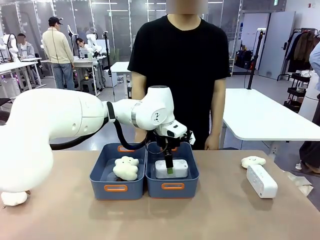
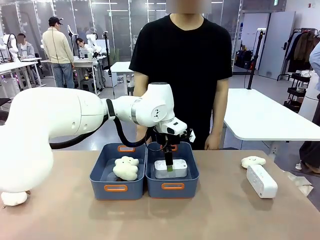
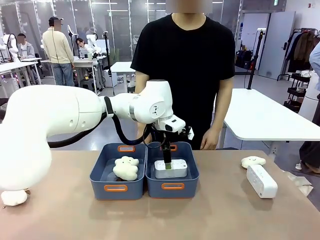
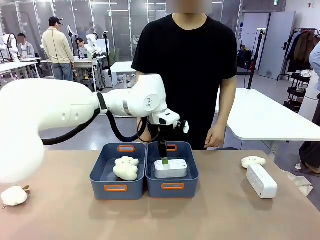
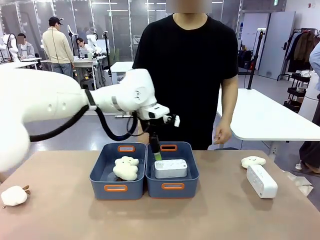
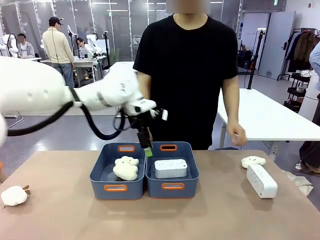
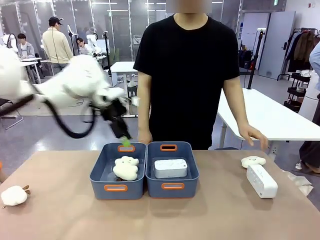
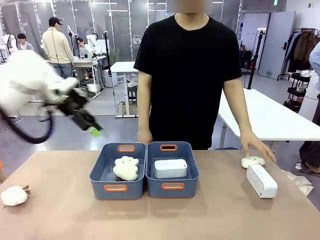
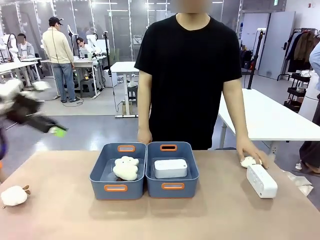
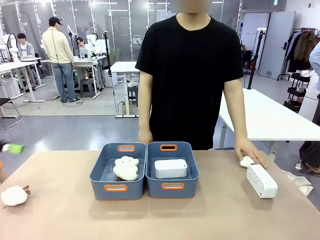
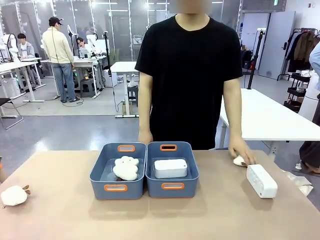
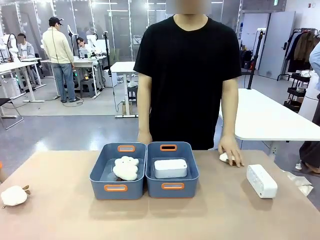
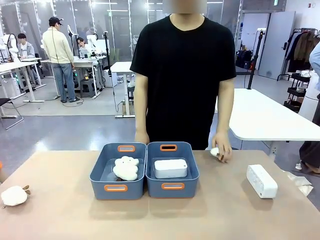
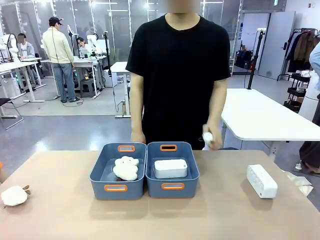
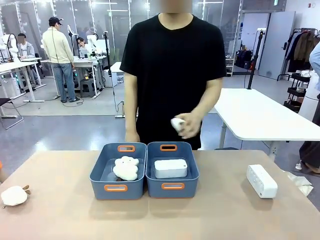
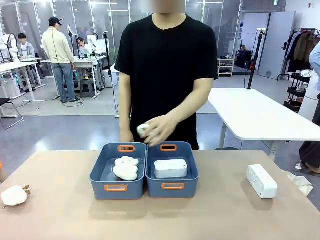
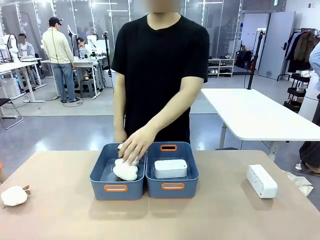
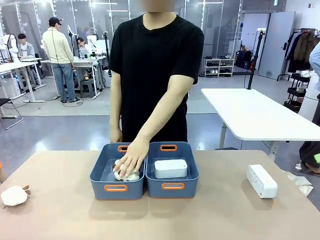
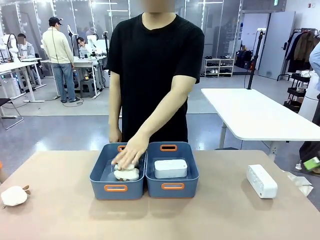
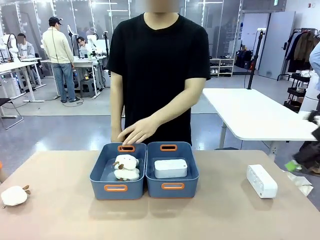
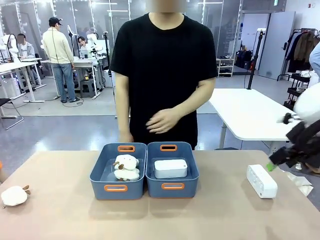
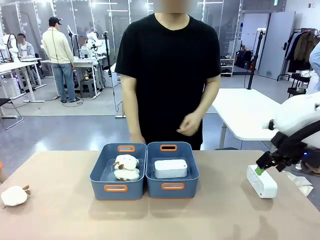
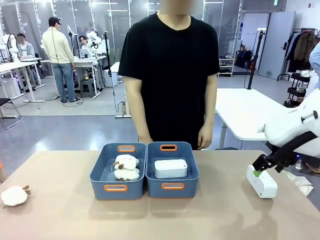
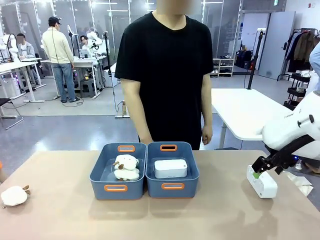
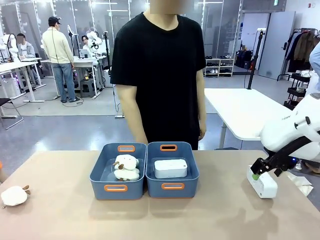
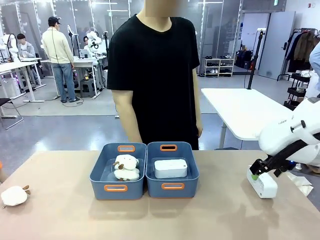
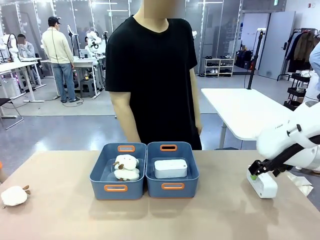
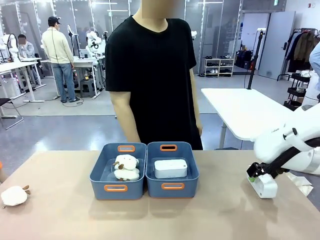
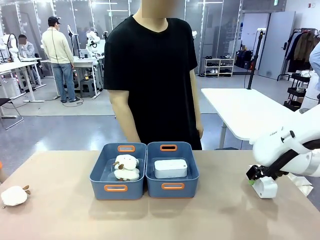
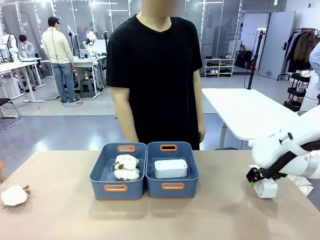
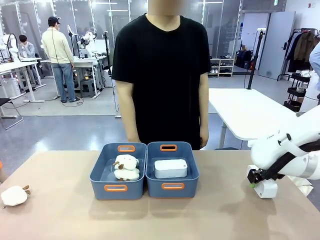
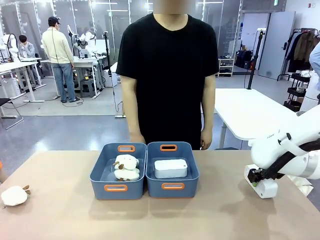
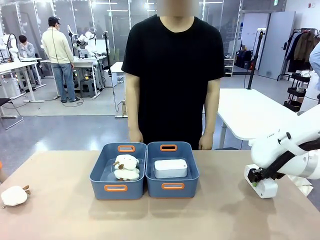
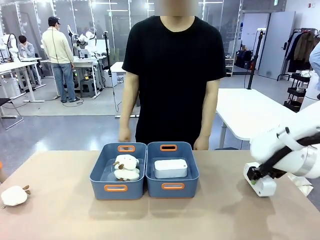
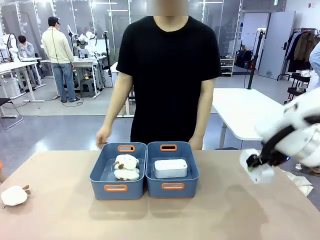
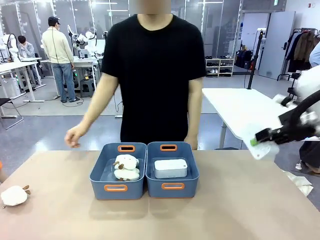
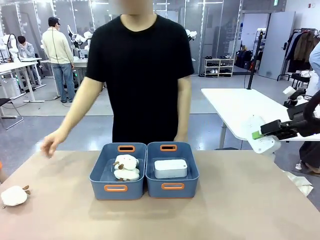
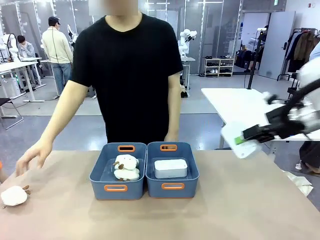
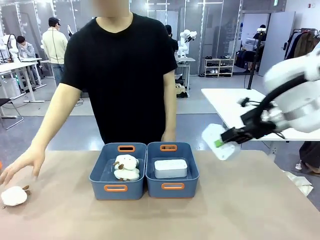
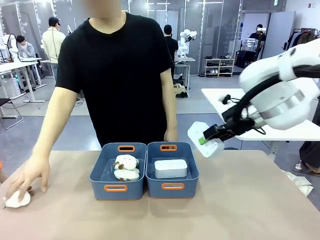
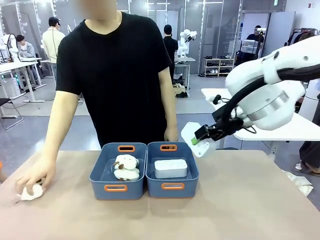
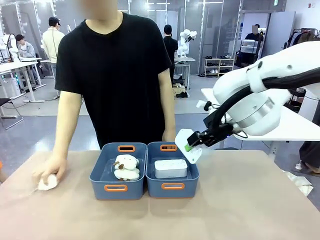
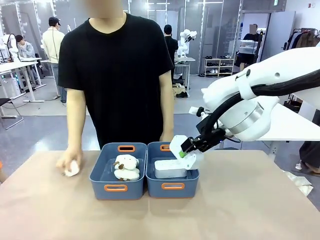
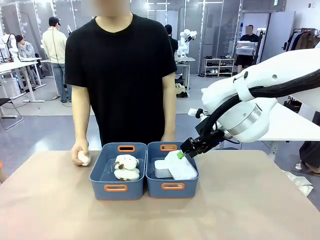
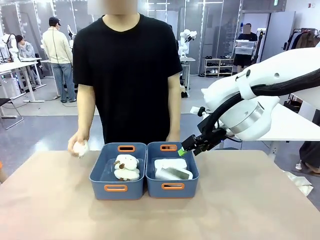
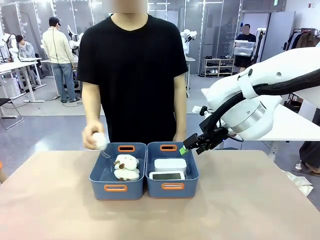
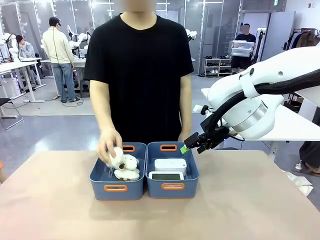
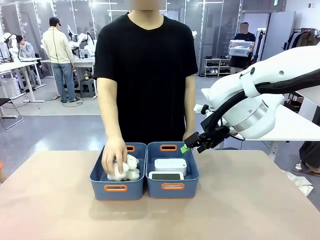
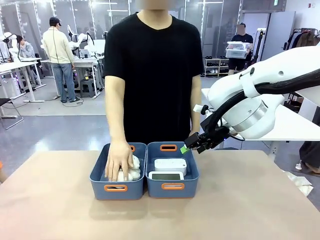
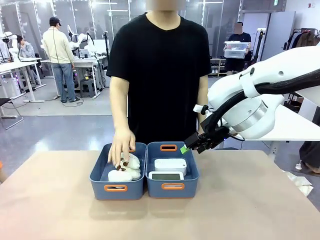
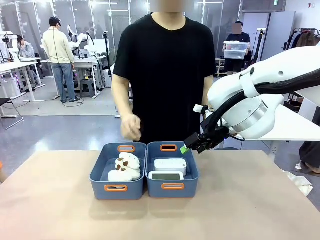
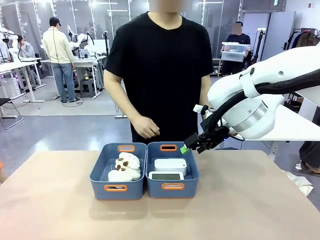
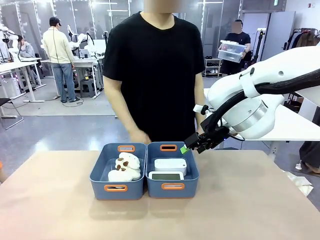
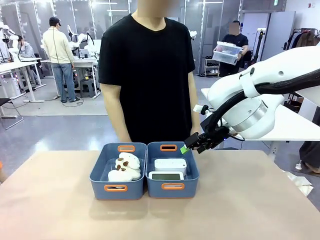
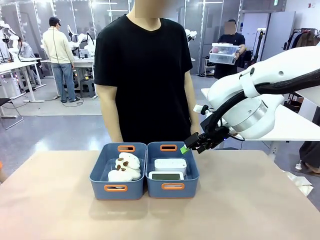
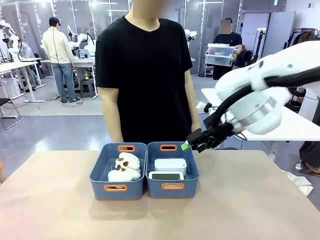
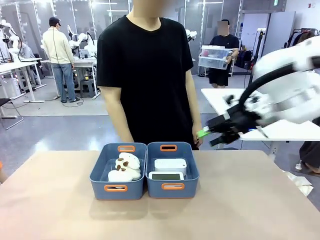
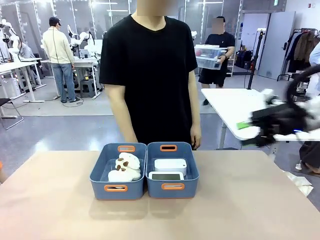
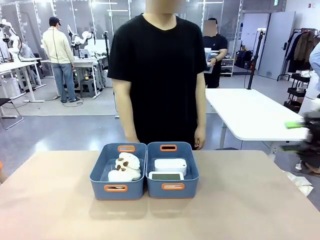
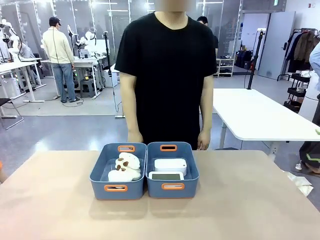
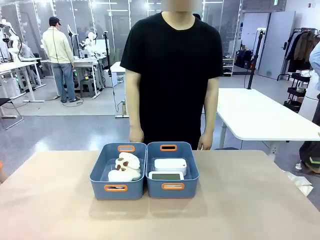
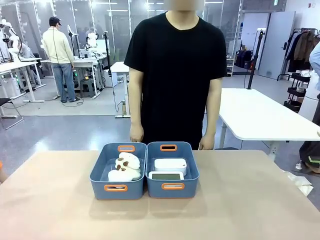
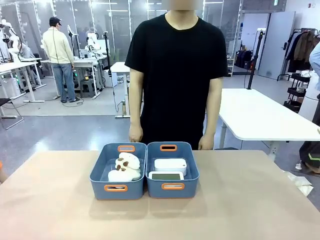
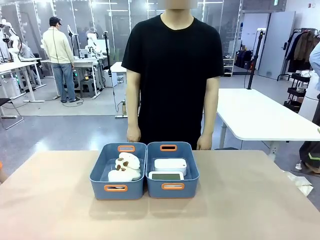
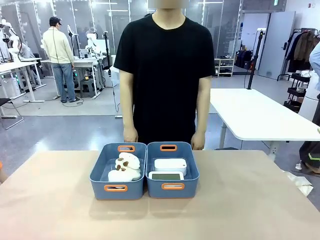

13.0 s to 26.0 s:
Task: Sort the digital clocks into the basket.
Robot: Pick up the Digital clock from the table and place it into the empty Plastic storage basket.
Person: Pick up a plush toy from the table and place it in the plastic storage basket containing the plush toy.
